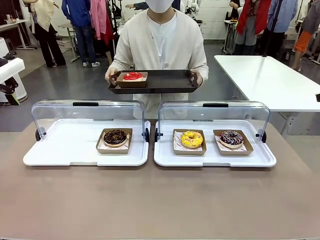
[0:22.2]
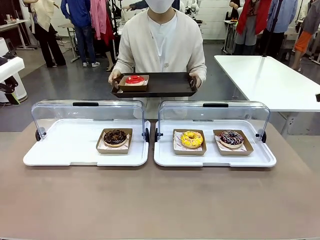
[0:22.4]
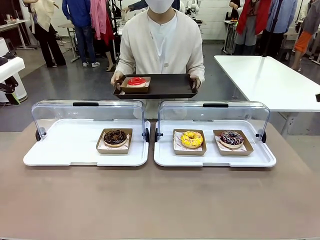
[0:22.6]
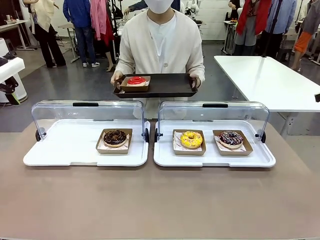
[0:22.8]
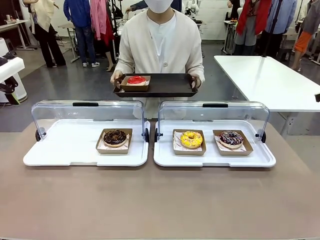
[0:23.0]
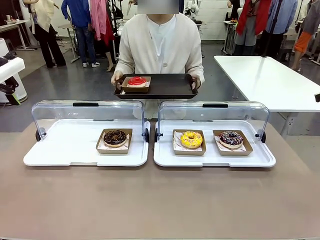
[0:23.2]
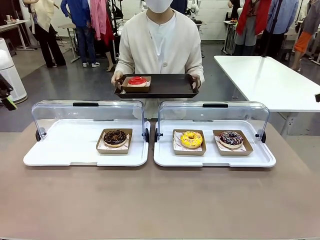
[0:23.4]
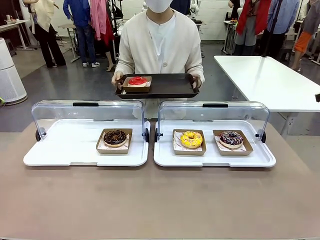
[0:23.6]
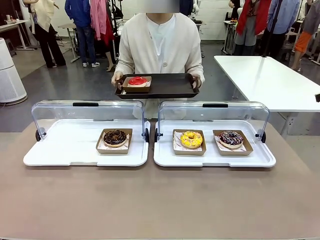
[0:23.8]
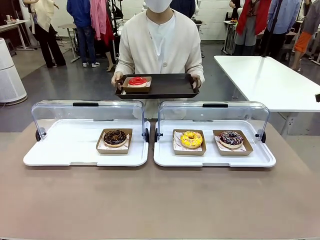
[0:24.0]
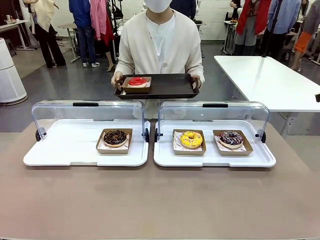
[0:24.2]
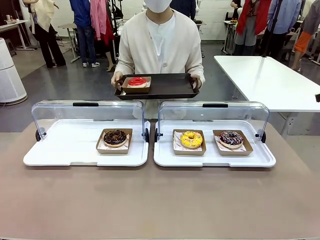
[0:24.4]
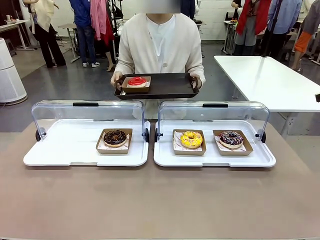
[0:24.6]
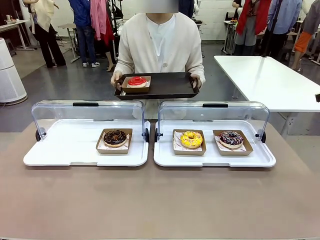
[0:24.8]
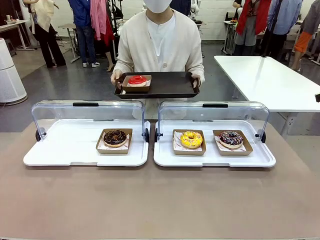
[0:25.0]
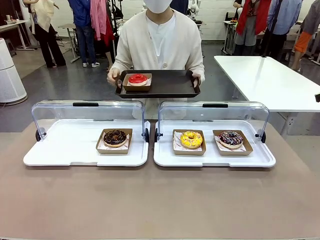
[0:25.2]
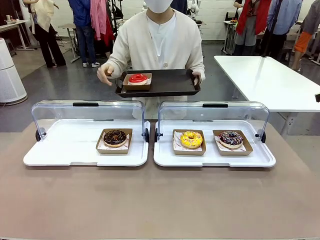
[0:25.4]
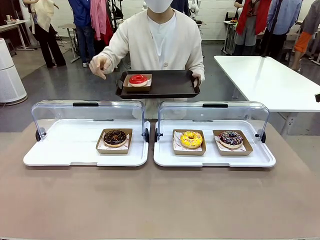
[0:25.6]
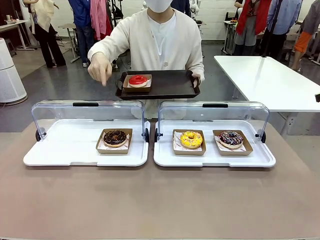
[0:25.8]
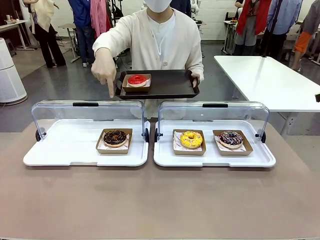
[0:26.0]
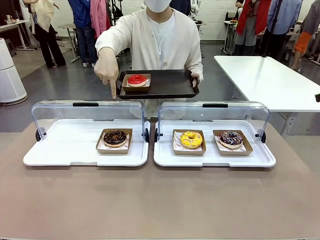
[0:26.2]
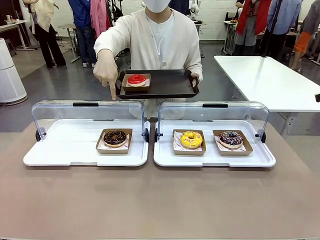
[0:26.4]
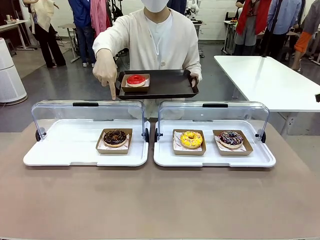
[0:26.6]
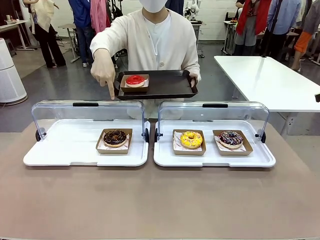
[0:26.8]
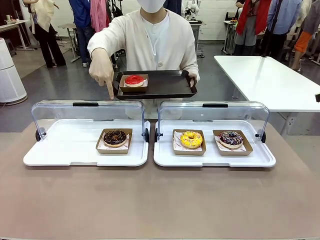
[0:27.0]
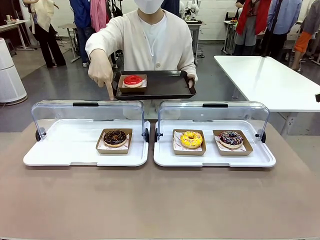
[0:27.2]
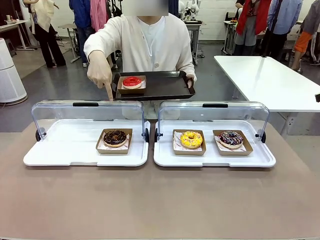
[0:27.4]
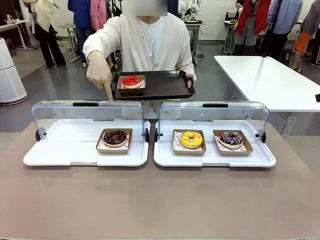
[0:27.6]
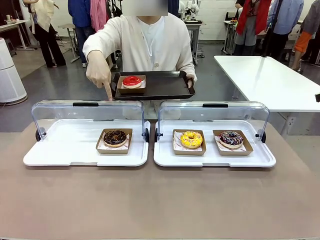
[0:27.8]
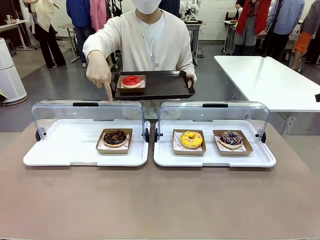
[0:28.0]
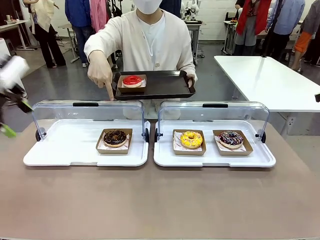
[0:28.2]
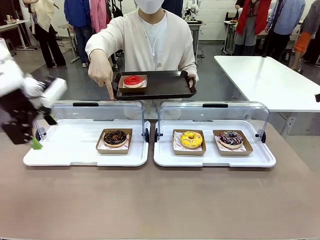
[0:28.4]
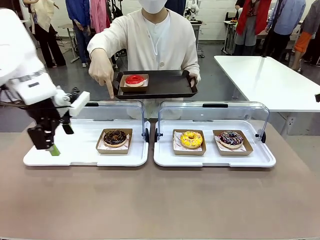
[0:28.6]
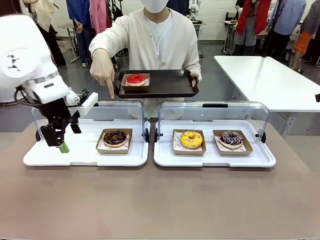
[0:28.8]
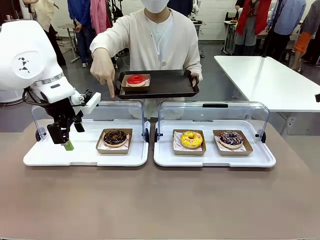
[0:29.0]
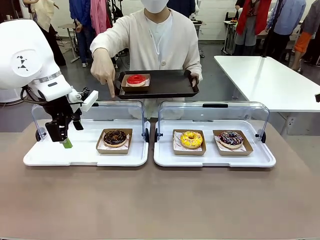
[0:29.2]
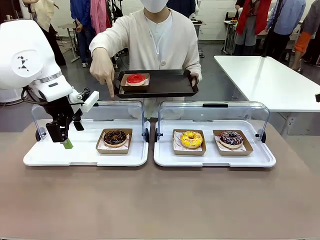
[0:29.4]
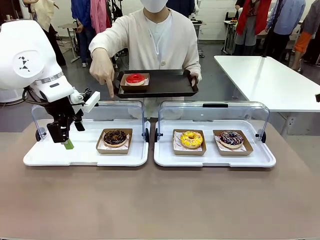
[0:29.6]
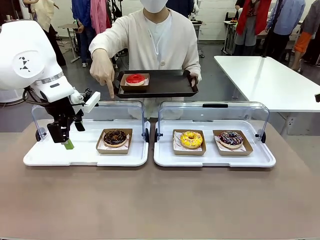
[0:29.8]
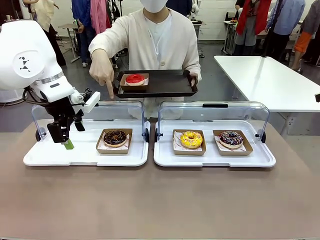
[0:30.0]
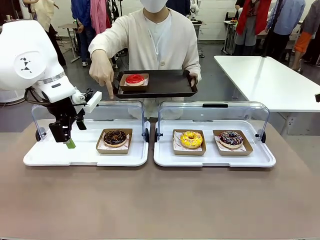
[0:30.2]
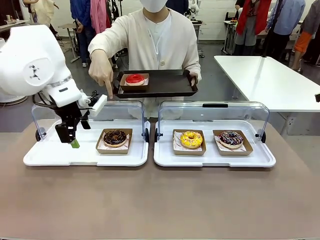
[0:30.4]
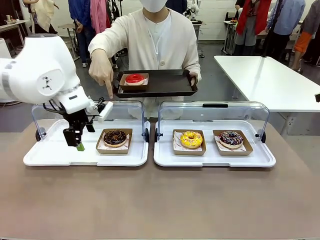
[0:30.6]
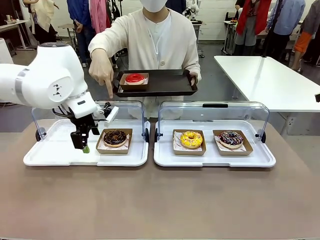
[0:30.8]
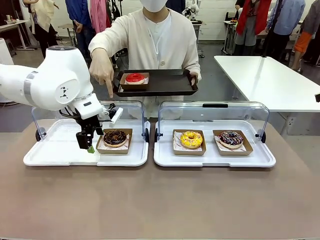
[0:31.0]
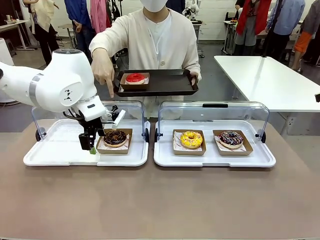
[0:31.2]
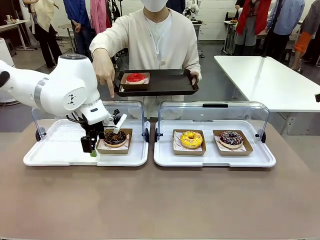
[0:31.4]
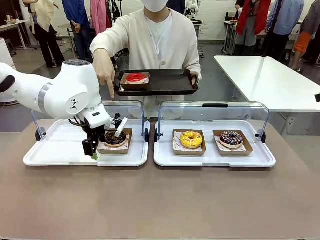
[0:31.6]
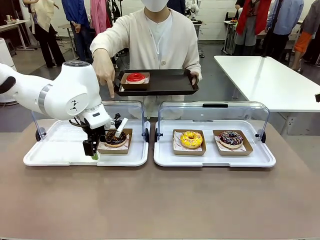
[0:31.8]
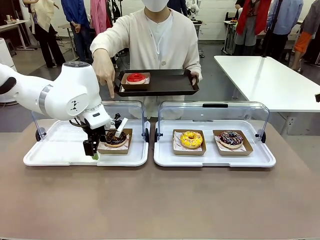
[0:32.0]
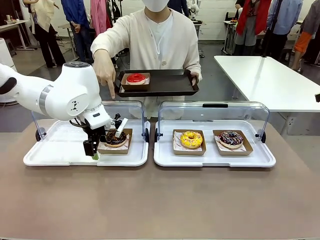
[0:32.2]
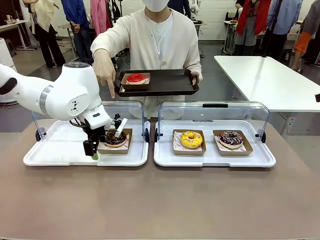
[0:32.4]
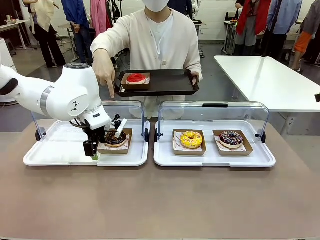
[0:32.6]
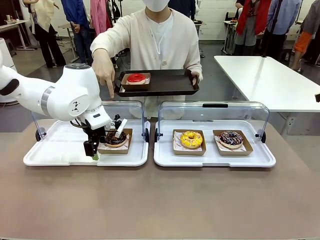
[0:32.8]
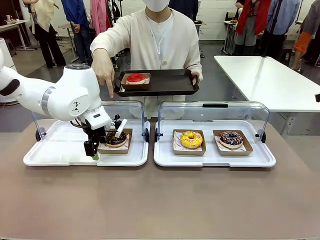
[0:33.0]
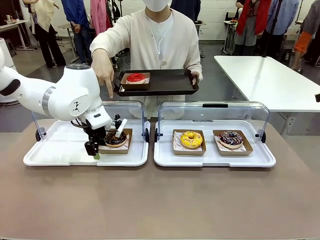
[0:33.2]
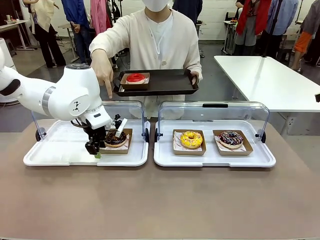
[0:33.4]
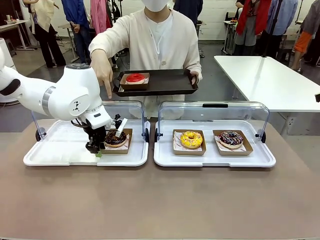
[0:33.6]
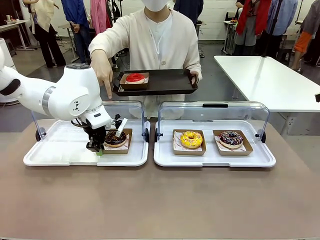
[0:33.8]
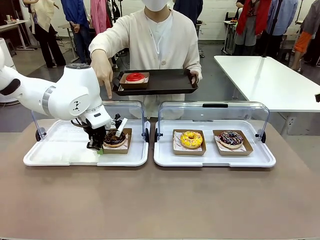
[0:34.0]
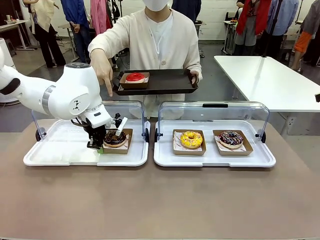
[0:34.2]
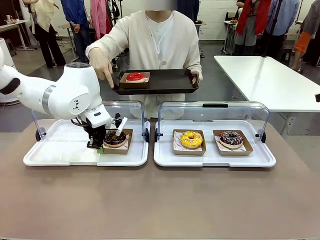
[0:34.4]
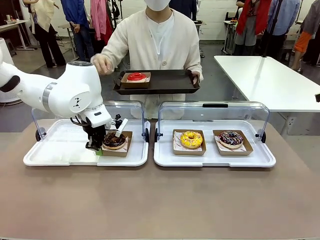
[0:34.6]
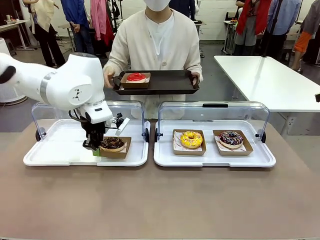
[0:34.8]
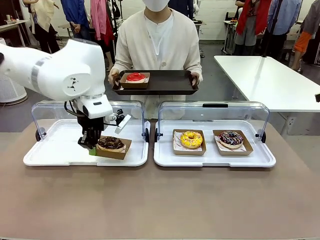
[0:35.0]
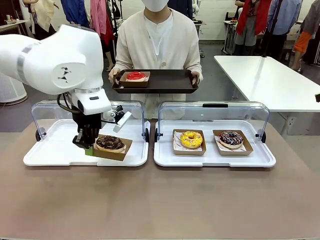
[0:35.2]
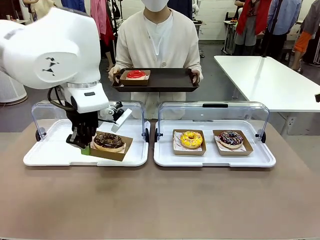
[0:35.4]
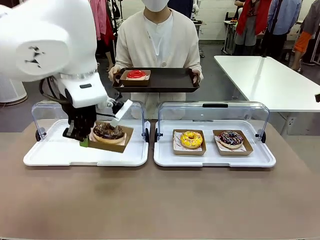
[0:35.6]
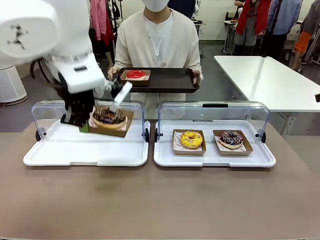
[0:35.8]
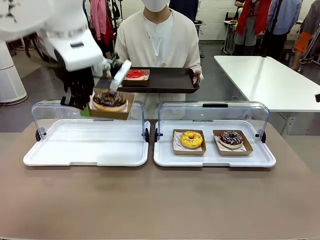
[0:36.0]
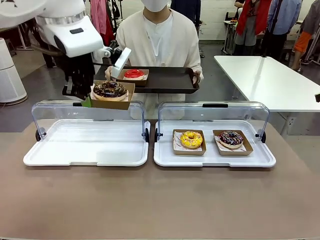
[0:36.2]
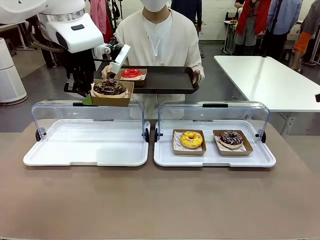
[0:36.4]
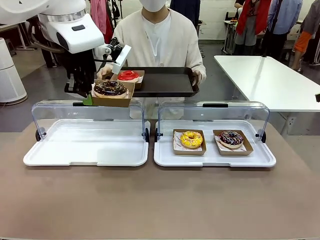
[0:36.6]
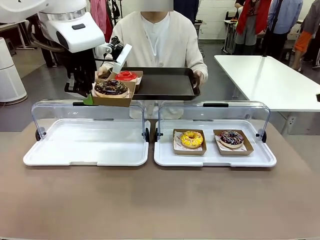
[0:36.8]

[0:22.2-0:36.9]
Task: Provide the desired donut to the person.
Robot: Pick up and lift the Paper togo box containing the Donut pointed at by the person.
Person: Point to one donut. Lift the tray onto the Roll-Top Bakery Case.
